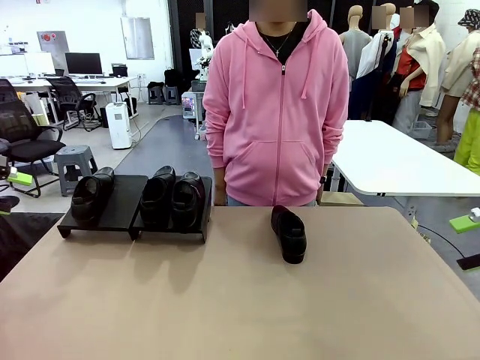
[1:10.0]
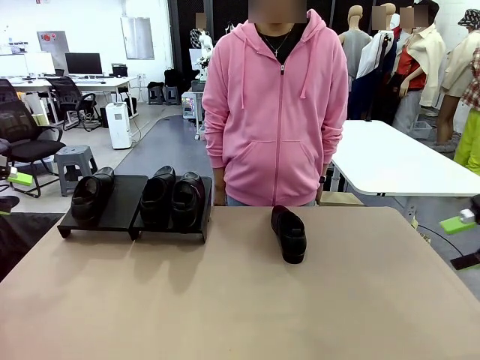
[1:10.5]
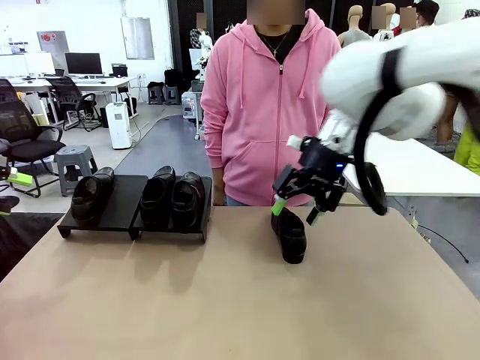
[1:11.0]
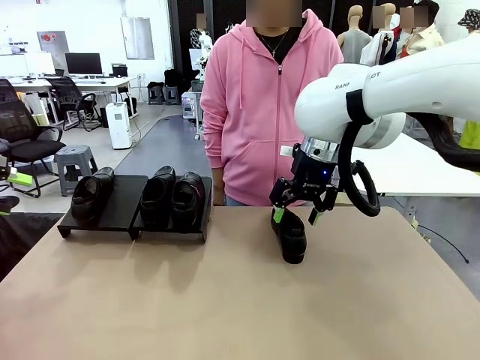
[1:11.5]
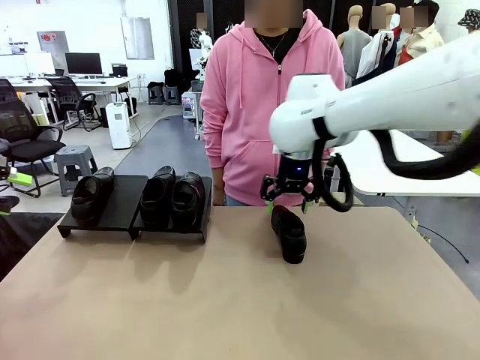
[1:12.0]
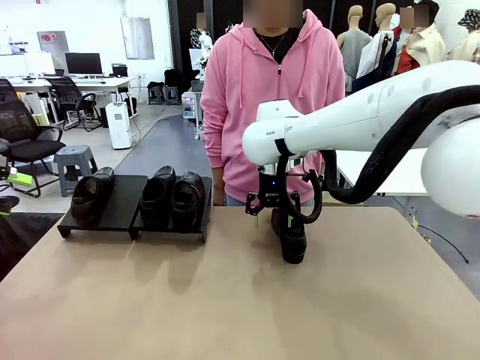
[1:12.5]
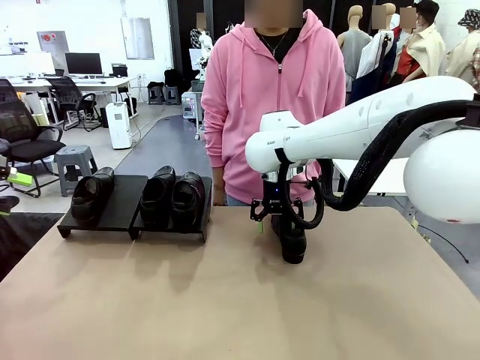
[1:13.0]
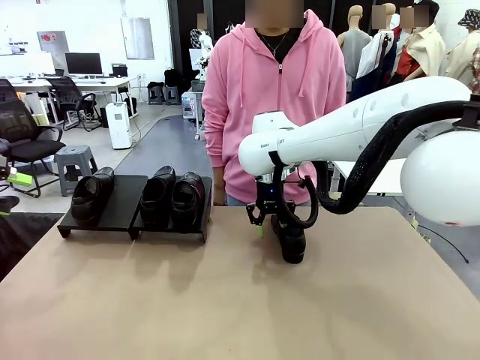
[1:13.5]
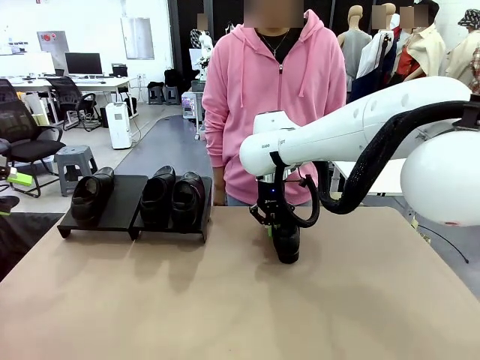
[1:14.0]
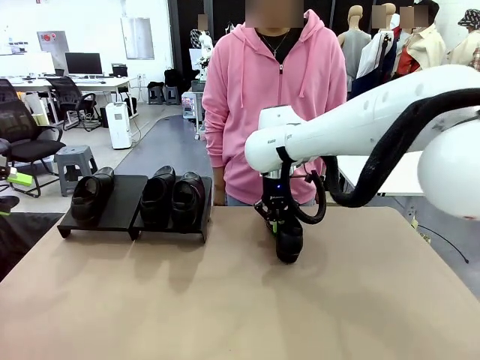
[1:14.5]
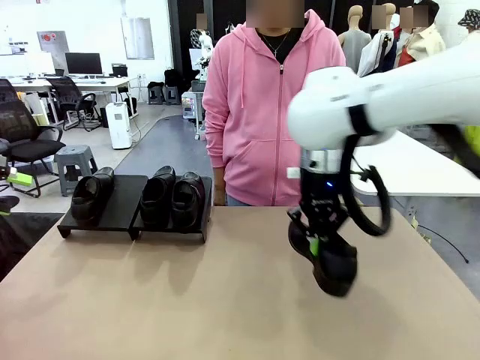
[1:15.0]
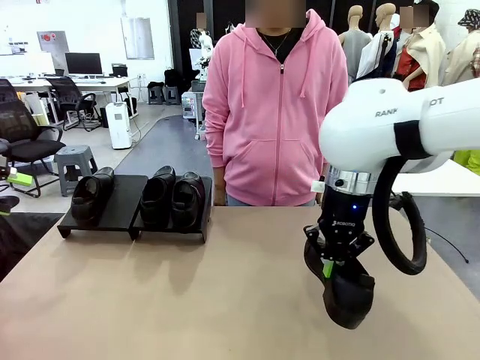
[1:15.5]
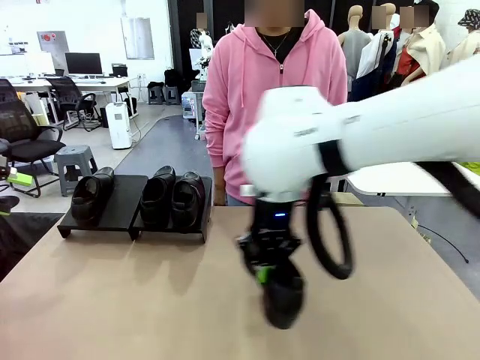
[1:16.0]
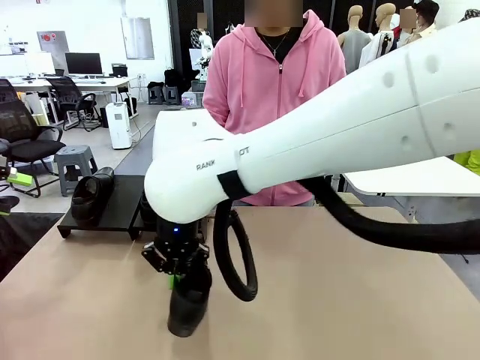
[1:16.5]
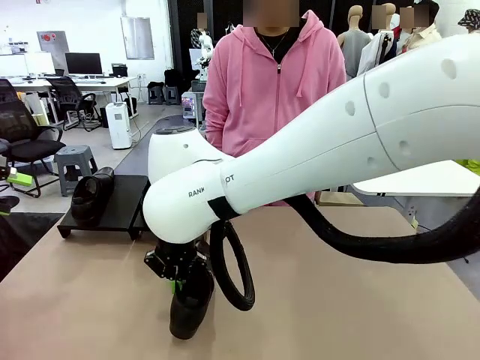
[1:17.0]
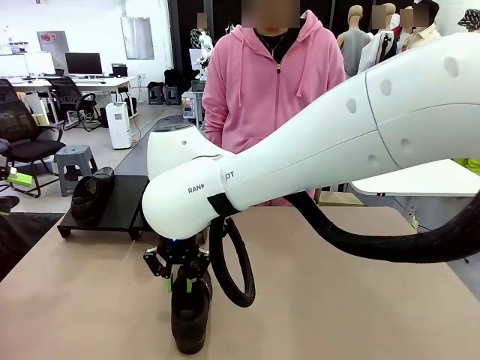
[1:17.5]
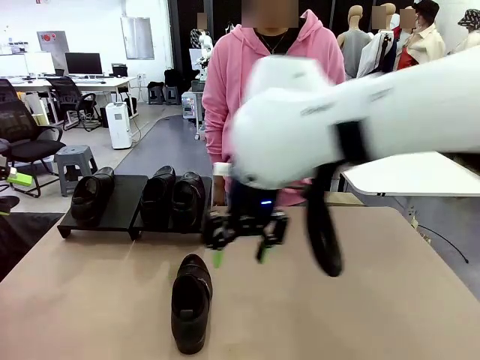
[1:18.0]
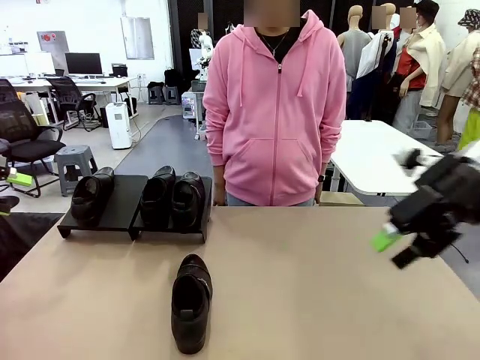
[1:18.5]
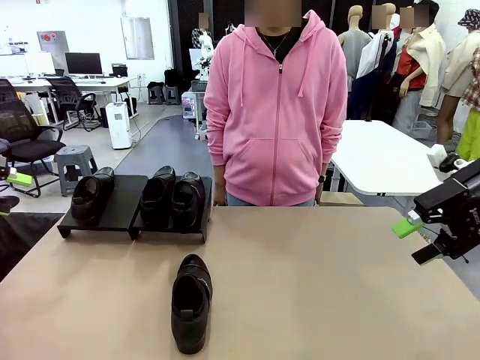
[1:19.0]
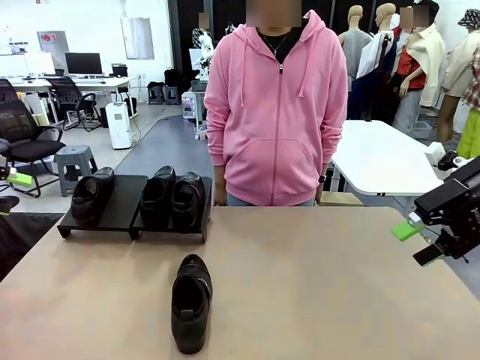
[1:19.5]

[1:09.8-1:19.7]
Task: Organize the shoes by placing them on the stand.
Robot: Pick up one Shoe and place it in the middle of the table.

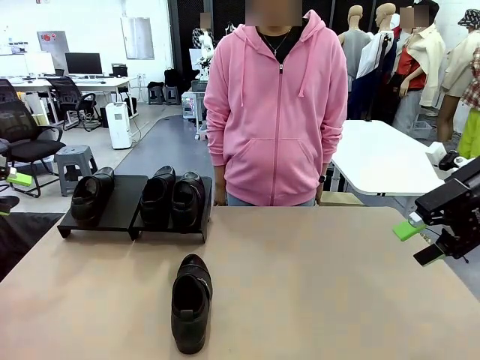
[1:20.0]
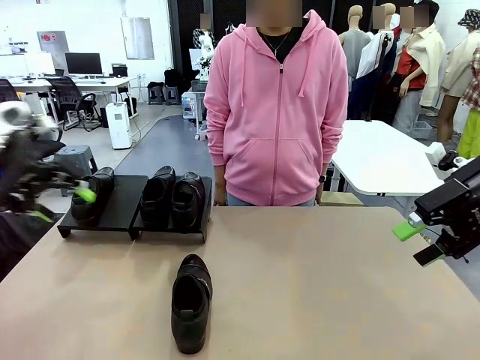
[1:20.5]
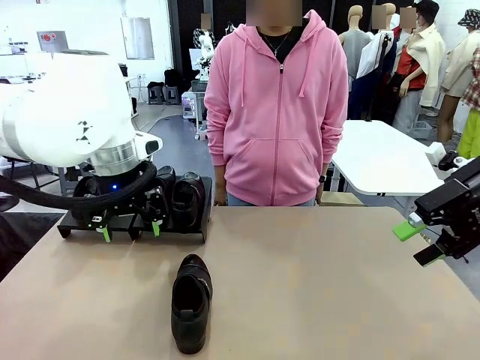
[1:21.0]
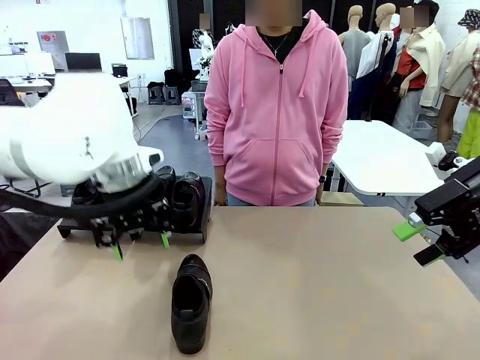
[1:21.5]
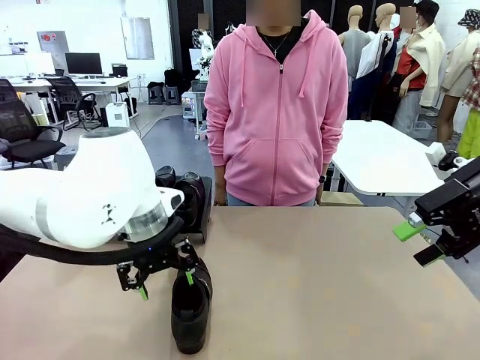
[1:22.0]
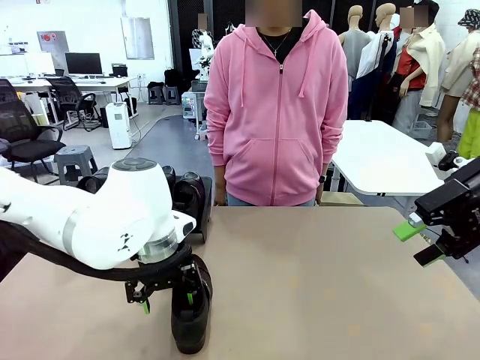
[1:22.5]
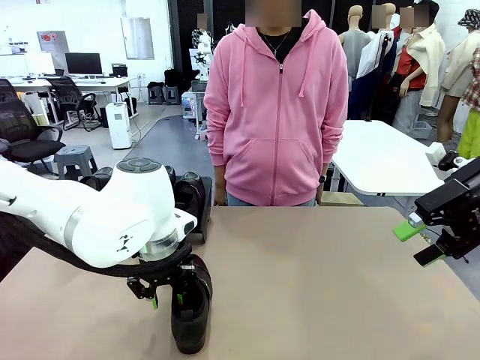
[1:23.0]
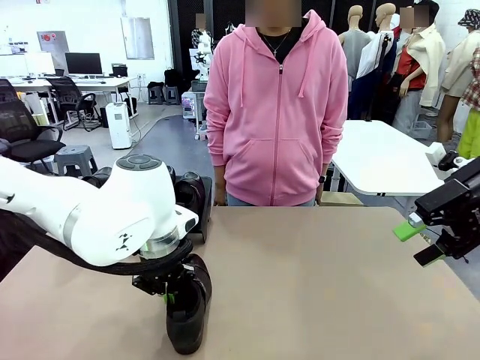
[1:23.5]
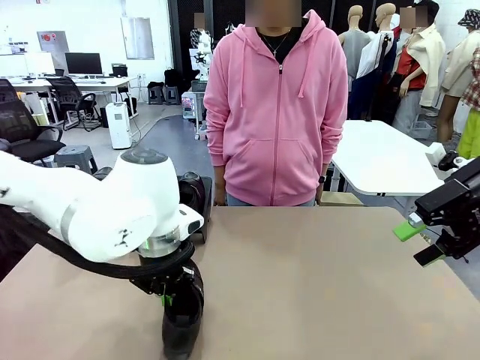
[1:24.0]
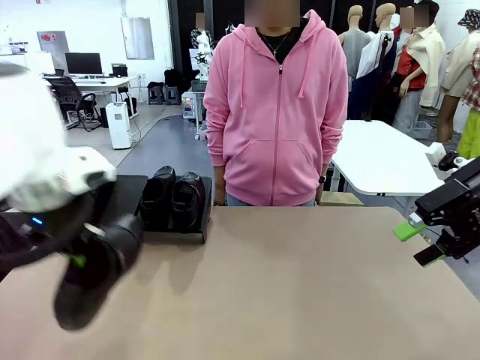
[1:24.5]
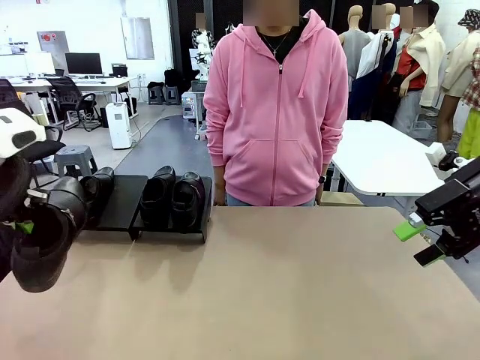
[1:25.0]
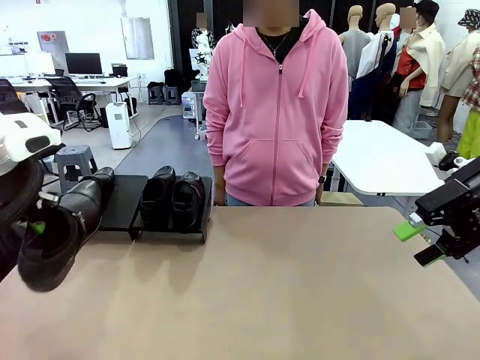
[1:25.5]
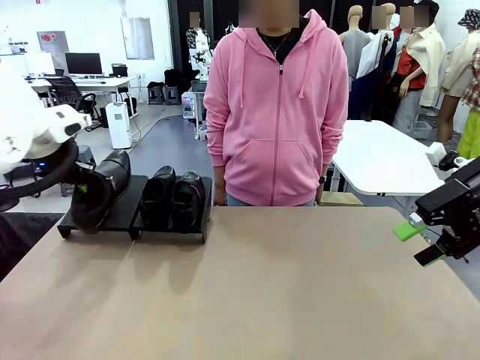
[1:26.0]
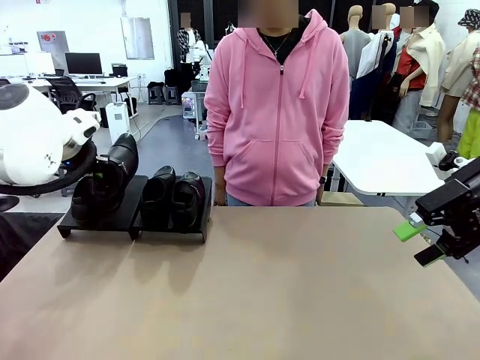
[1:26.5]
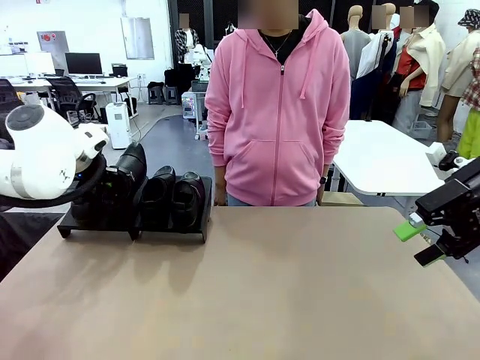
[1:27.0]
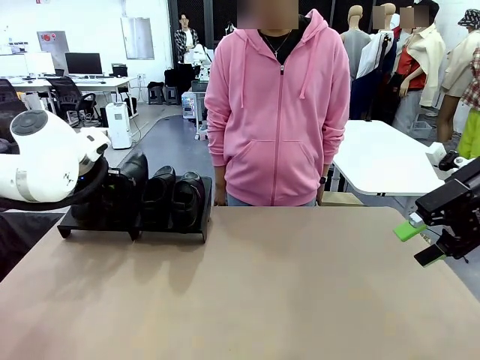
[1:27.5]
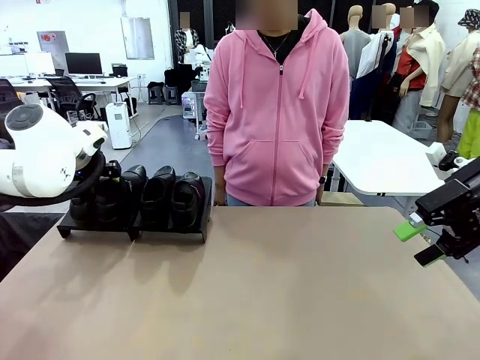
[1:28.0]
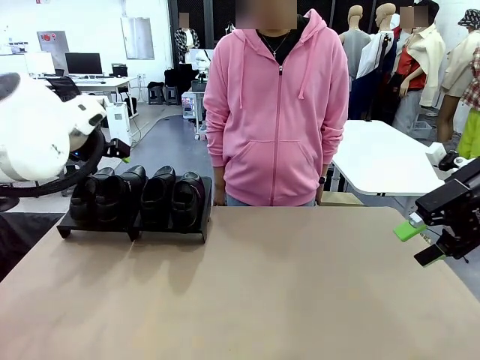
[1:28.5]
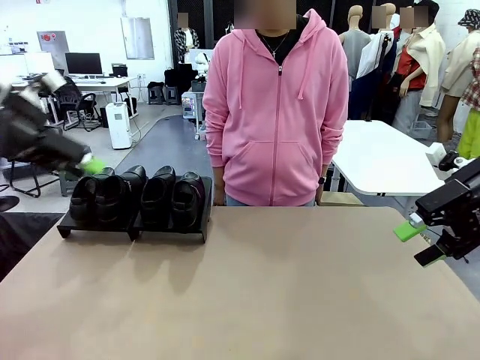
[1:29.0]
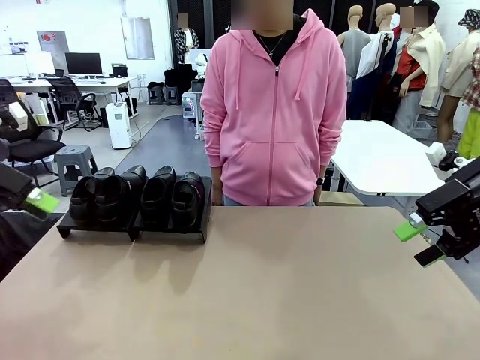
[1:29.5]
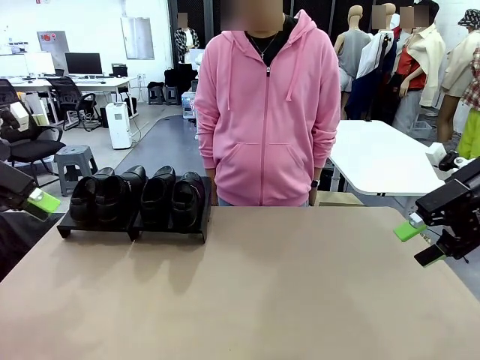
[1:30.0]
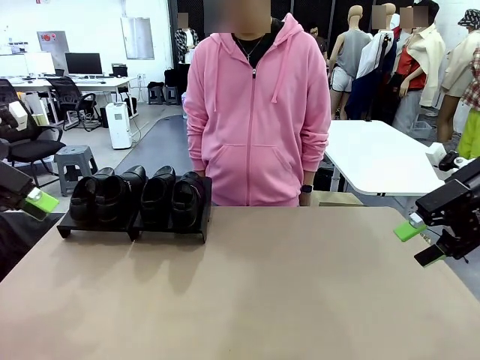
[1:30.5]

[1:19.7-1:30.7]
Robot: Place the Shoe from the middle of the table onto the Shoes Stand.
